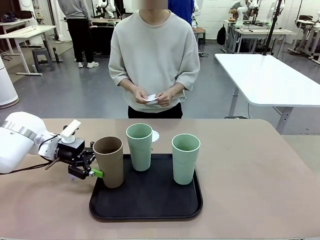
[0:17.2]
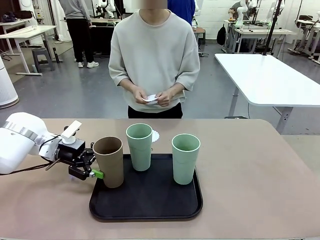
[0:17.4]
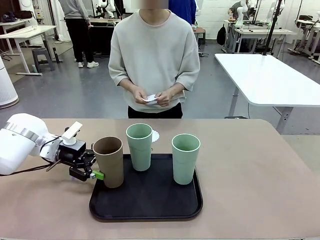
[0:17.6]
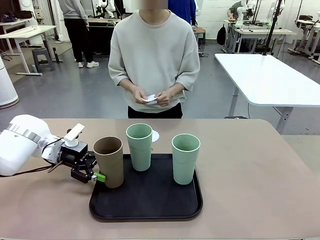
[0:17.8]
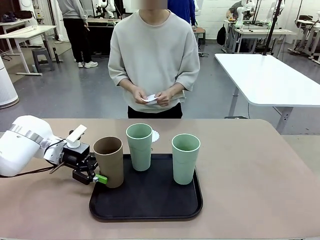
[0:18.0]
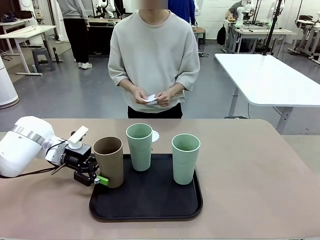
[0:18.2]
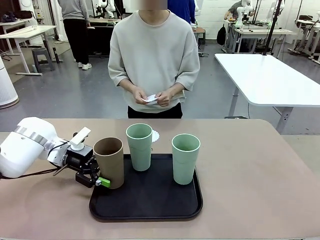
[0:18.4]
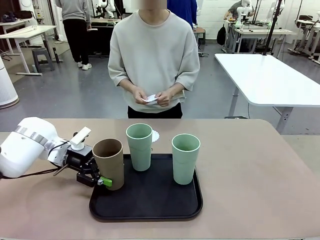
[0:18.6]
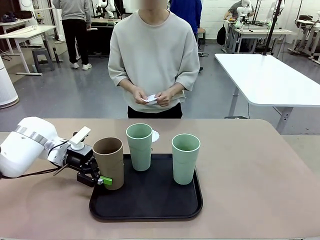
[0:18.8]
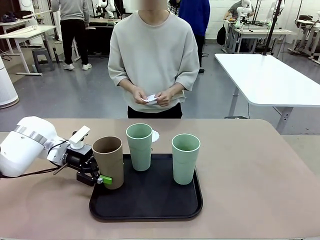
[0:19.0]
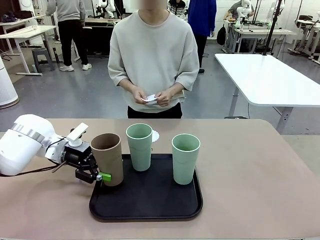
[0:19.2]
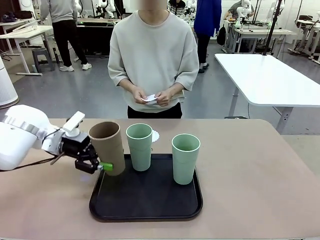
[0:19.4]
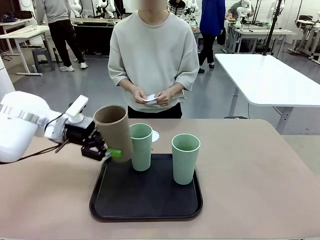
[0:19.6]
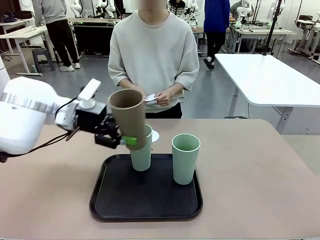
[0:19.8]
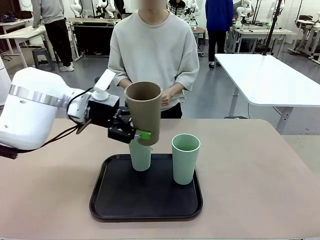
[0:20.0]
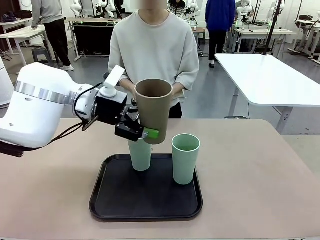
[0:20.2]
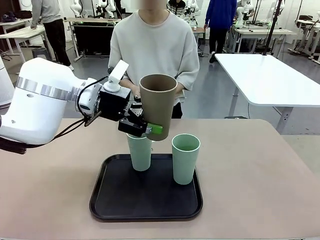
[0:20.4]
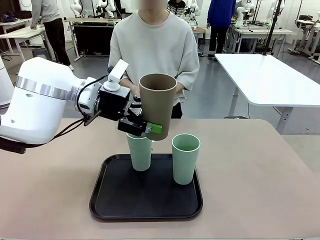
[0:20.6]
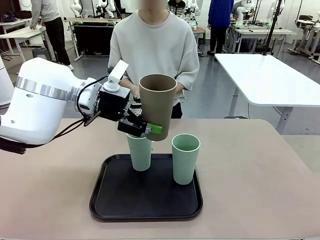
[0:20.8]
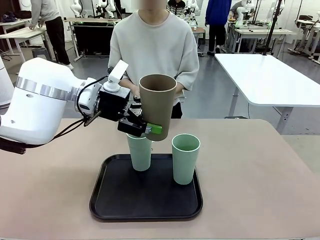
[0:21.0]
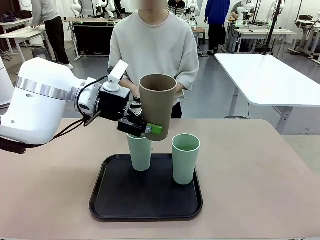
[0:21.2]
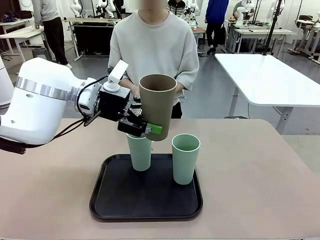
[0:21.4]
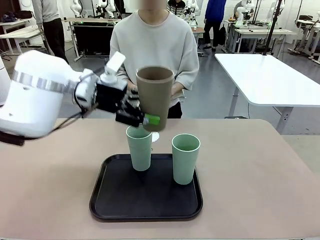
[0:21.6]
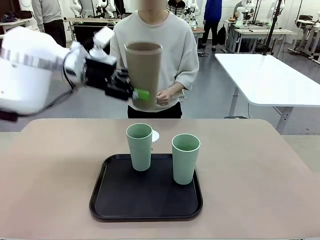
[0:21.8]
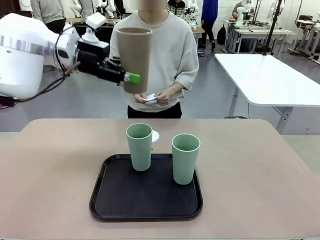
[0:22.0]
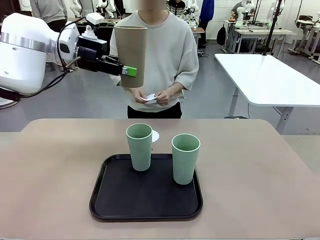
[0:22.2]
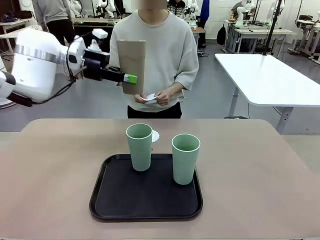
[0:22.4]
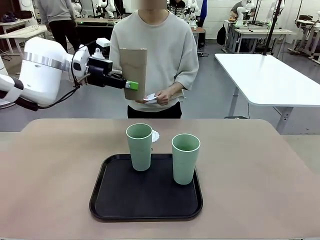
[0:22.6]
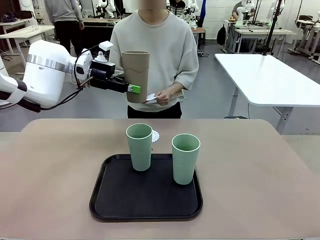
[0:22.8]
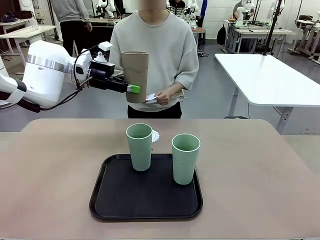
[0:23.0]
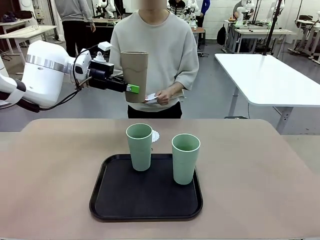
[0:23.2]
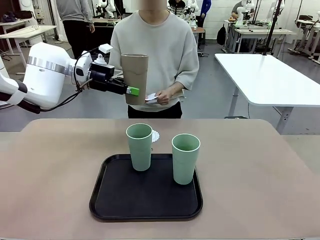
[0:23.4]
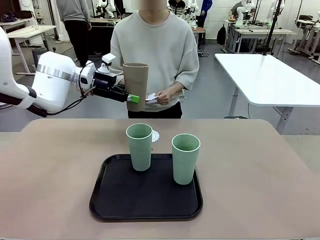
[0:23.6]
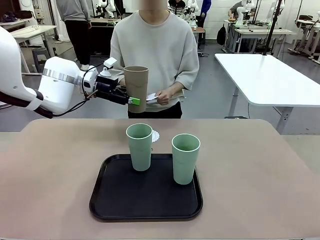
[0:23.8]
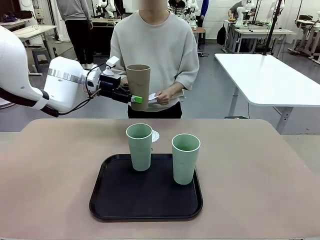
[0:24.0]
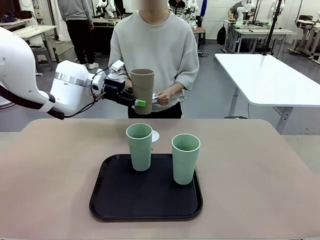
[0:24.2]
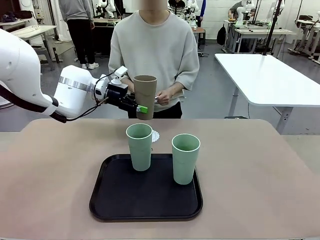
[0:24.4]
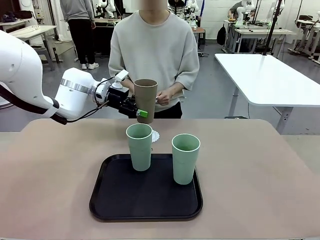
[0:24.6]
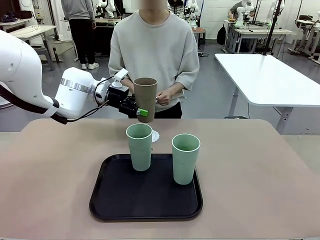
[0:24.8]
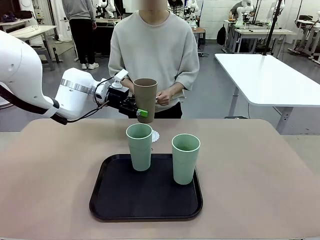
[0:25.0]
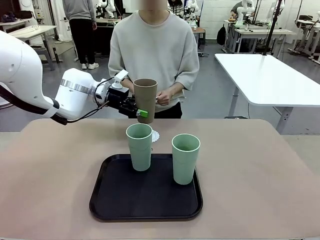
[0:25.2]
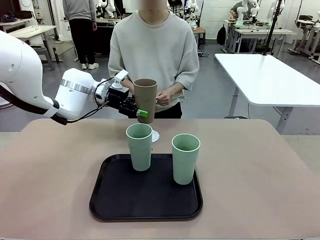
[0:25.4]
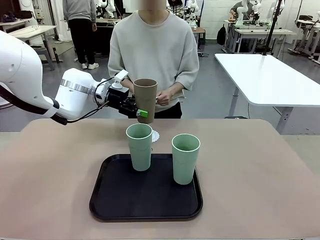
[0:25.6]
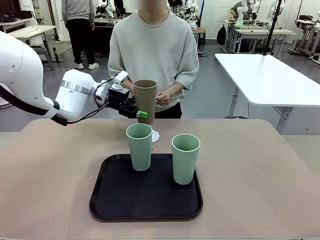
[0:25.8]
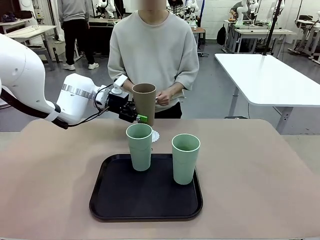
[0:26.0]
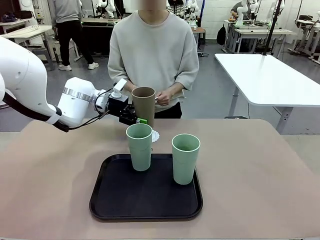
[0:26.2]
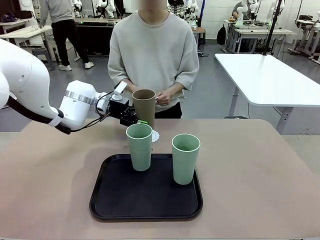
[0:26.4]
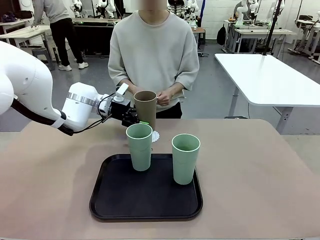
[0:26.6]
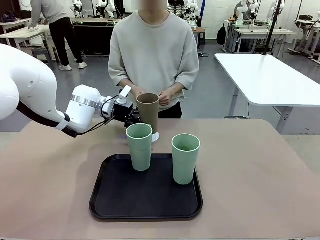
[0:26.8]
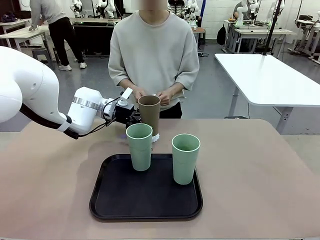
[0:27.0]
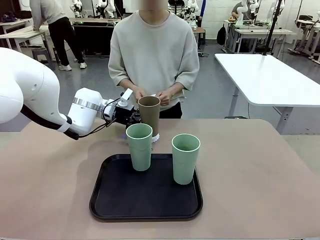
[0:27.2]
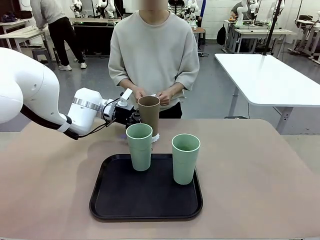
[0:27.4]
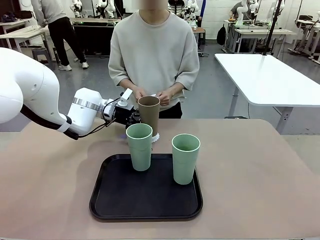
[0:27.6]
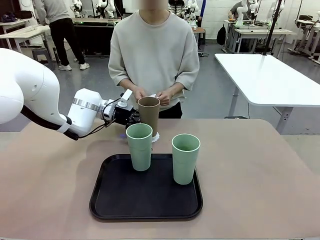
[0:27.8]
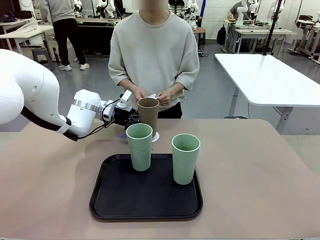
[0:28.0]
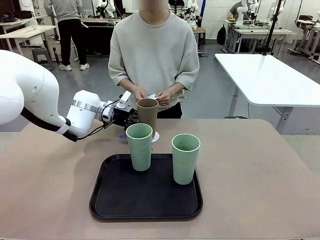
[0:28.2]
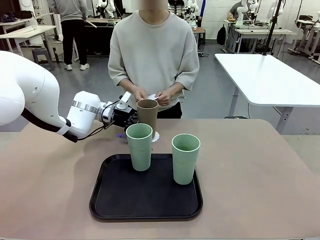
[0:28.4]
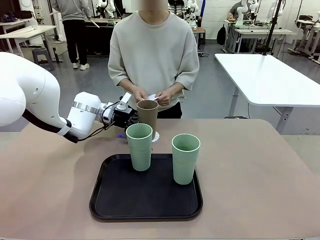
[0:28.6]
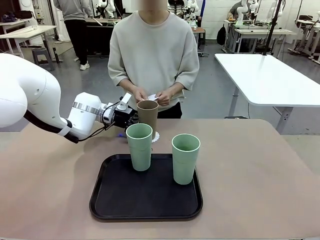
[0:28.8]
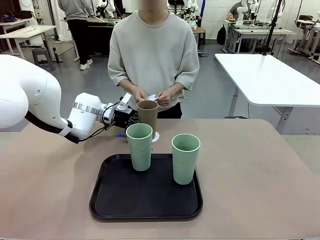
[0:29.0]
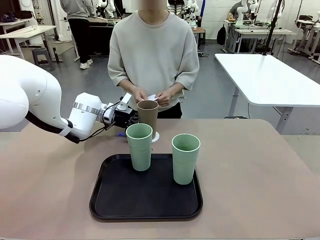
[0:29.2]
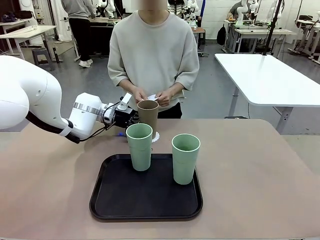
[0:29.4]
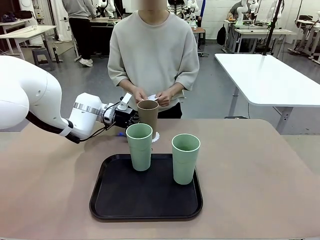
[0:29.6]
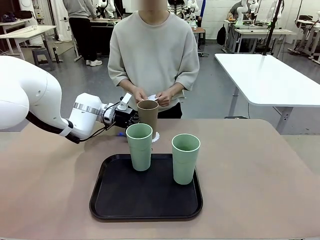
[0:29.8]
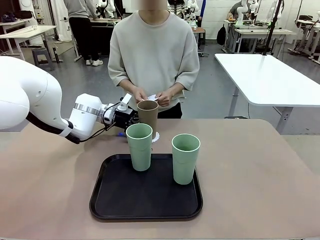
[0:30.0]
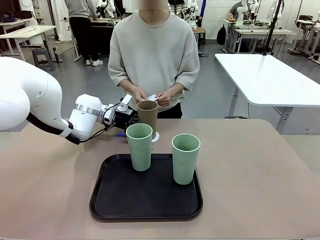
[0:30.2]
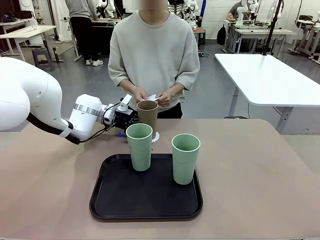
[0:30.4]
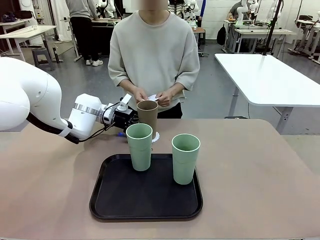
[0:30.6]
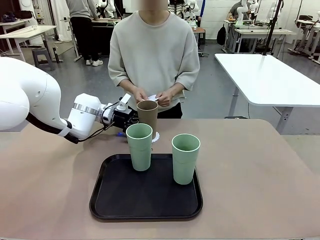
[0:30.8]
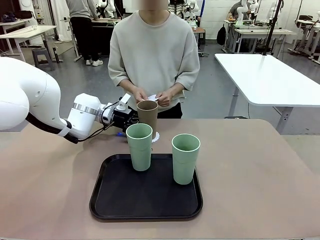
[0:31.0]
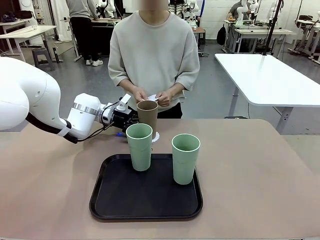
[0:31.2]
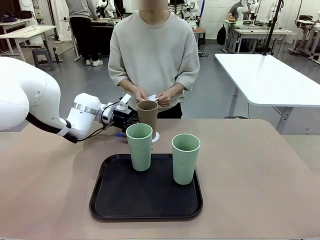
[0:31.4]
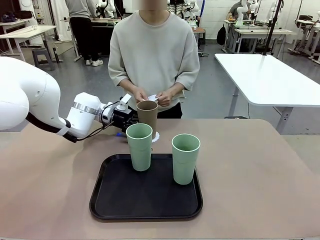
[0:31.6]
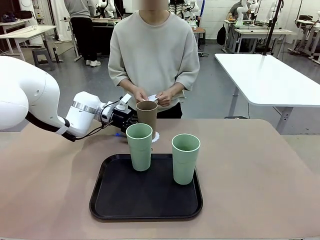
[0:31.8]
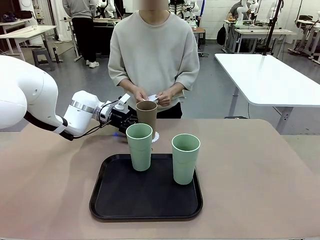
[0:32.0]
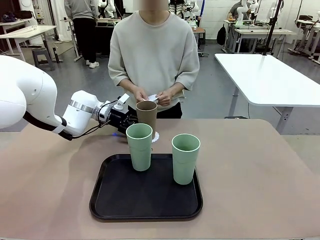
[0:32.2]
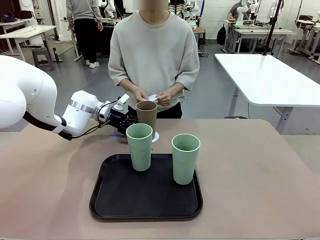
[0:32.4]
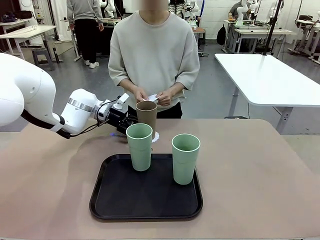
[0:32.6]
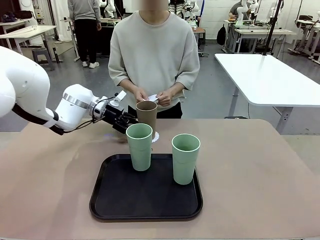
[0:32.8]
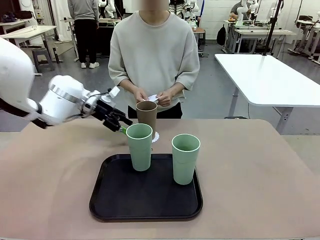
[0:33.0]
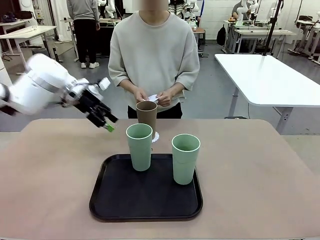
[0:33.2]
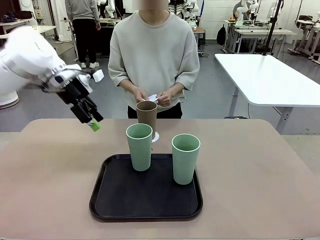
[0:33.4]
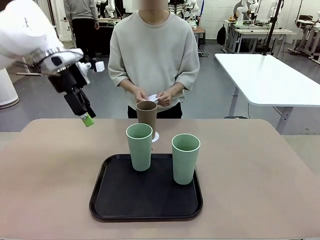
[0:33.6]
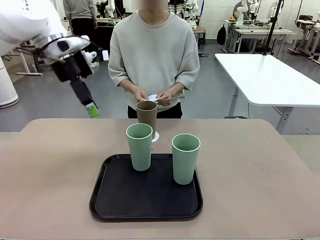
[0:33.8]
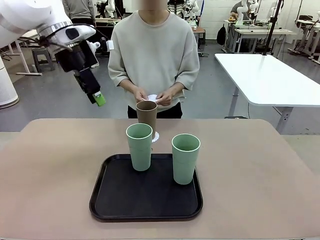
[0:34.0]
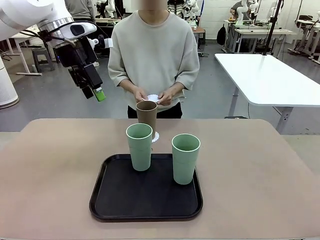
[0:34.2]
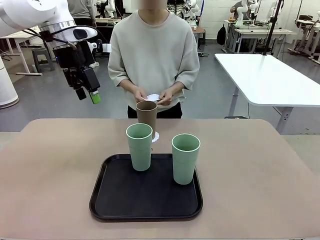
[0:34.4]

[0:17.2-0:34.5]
Task: Place coasters on the table and set cups on them.
Robot: Pick up one Reusable plastic cup and place it on a coaster set by the human.
Person: Place one coaster in one of the two areas excluding the previously selected area.
